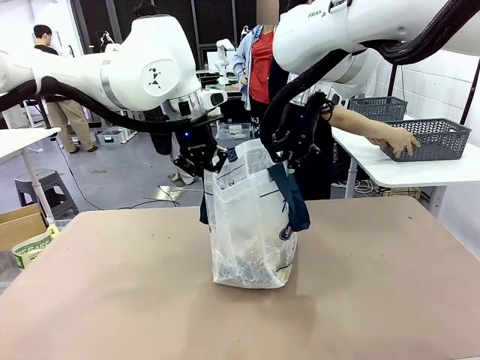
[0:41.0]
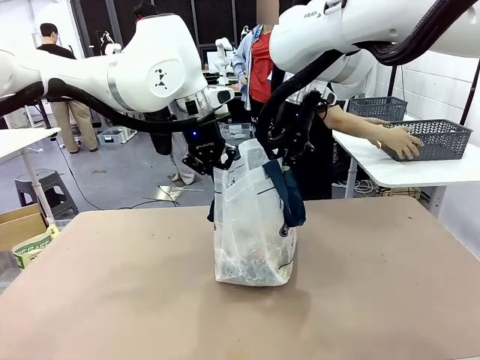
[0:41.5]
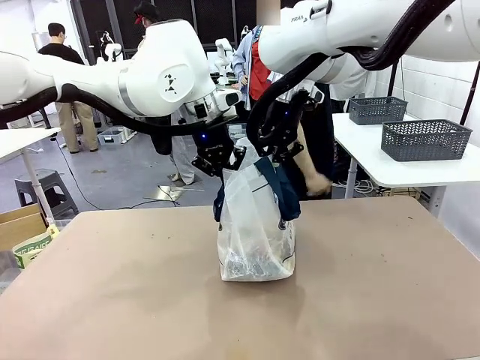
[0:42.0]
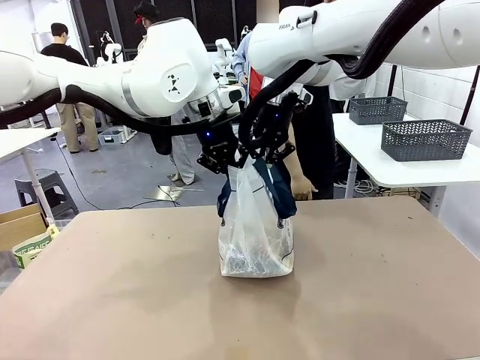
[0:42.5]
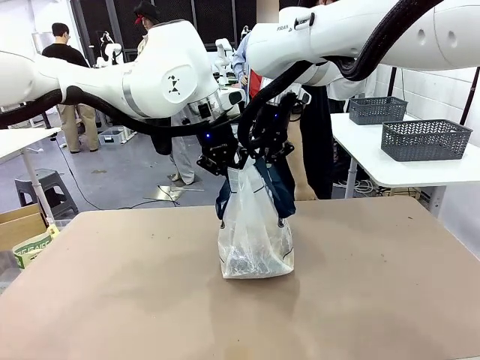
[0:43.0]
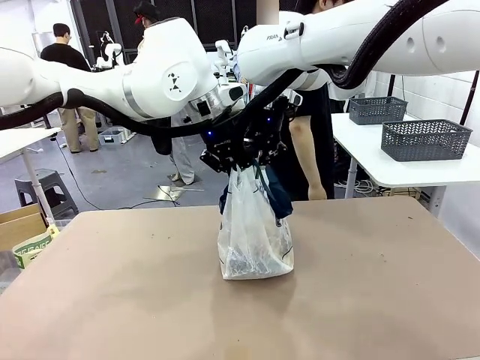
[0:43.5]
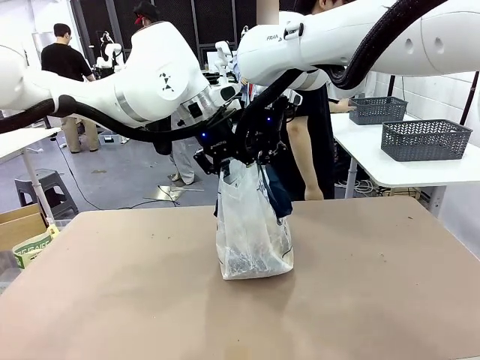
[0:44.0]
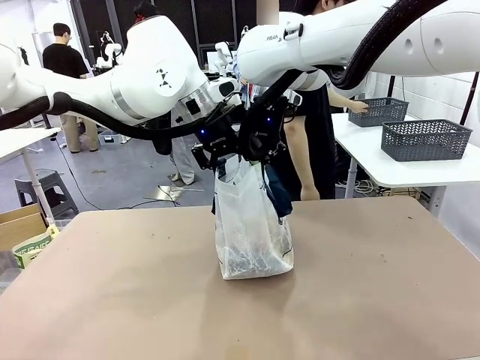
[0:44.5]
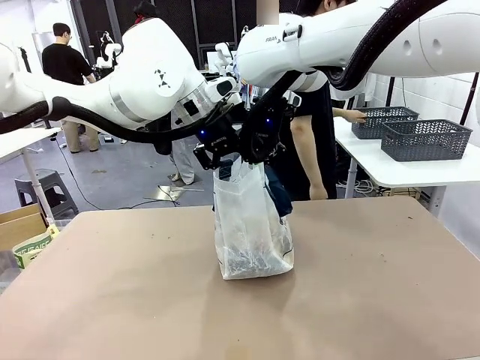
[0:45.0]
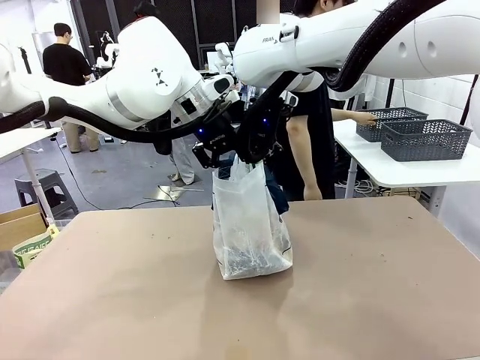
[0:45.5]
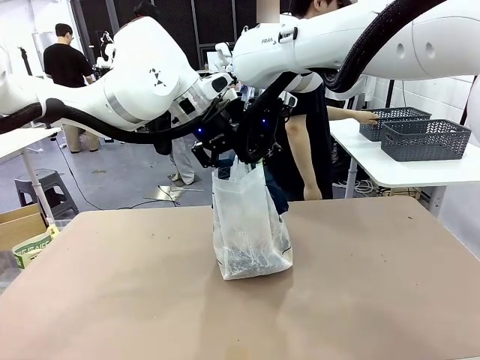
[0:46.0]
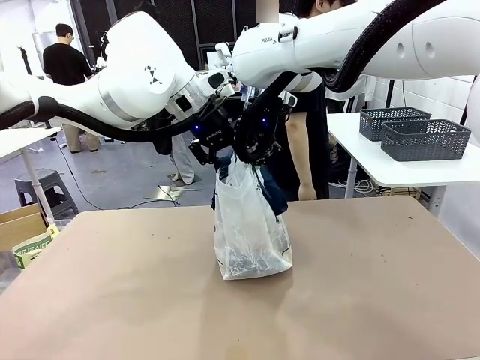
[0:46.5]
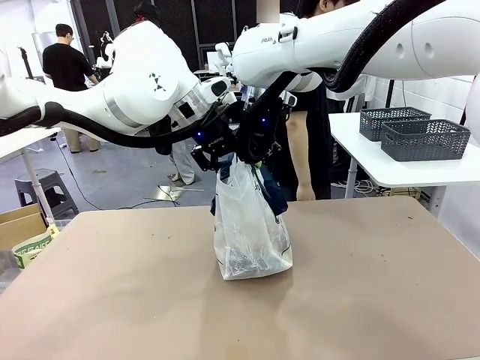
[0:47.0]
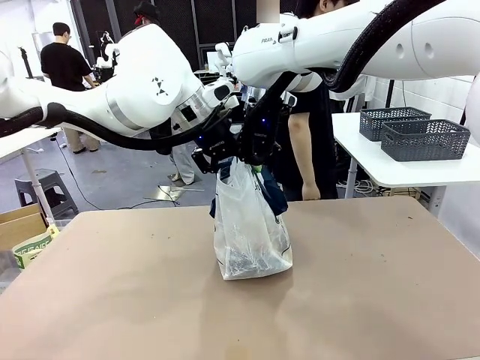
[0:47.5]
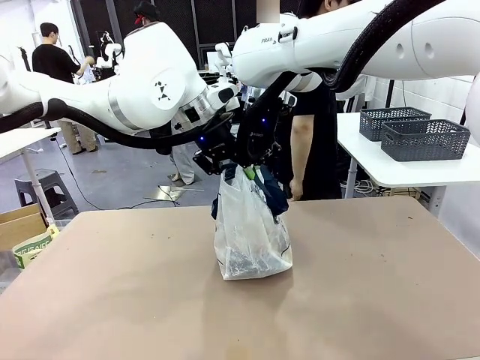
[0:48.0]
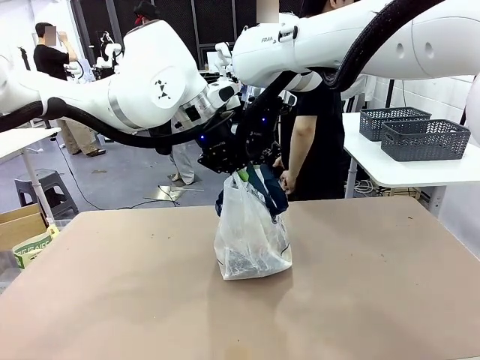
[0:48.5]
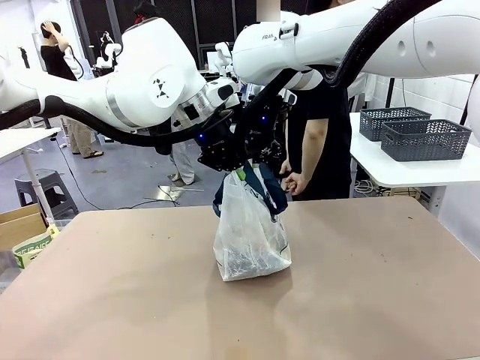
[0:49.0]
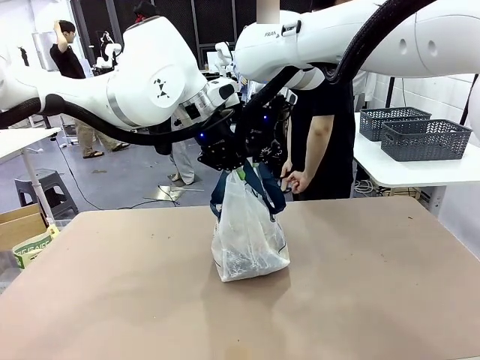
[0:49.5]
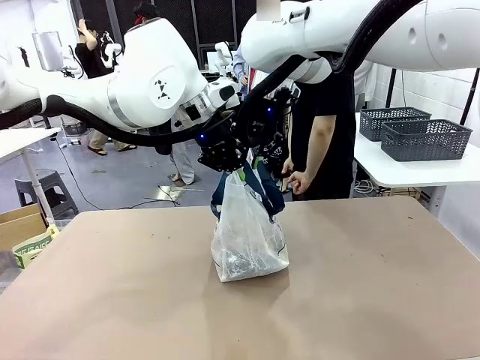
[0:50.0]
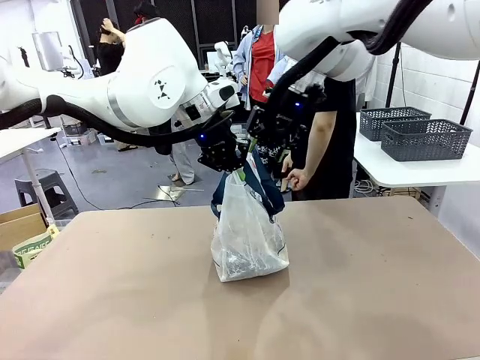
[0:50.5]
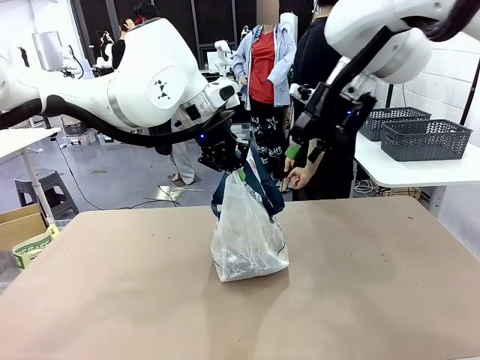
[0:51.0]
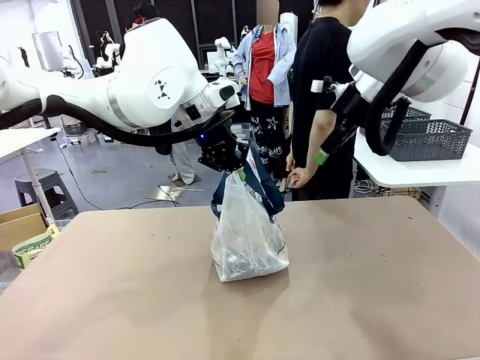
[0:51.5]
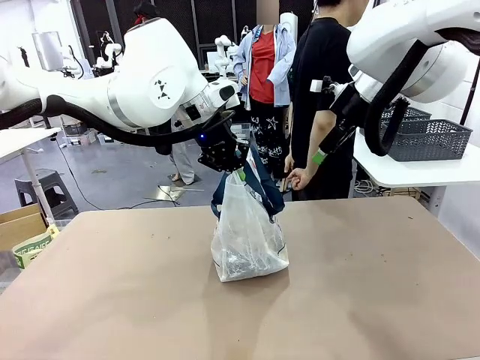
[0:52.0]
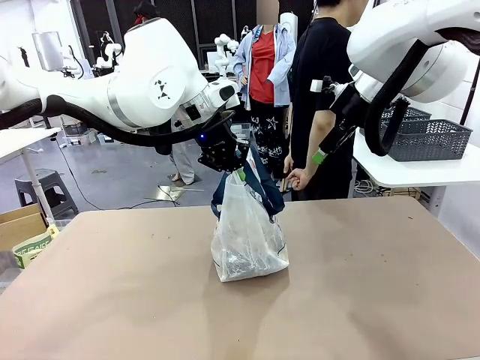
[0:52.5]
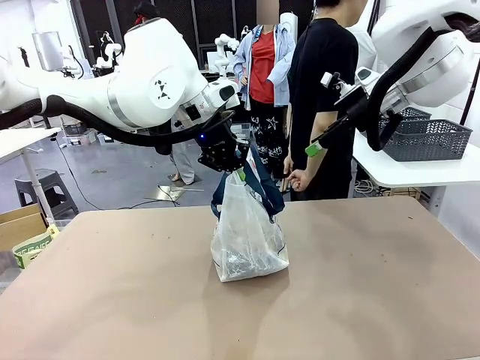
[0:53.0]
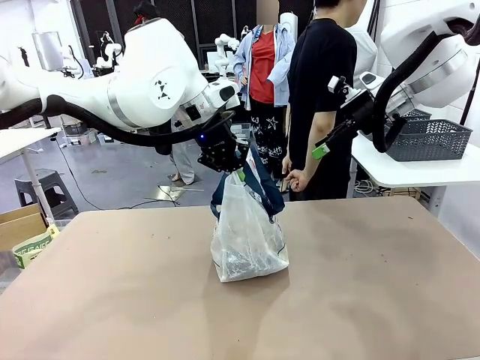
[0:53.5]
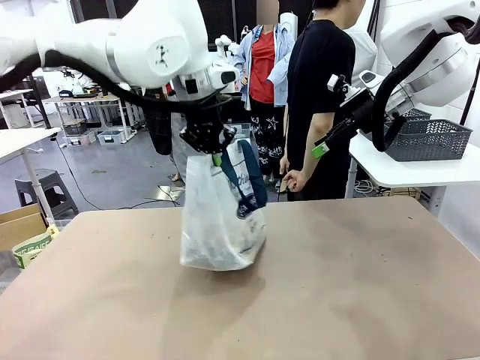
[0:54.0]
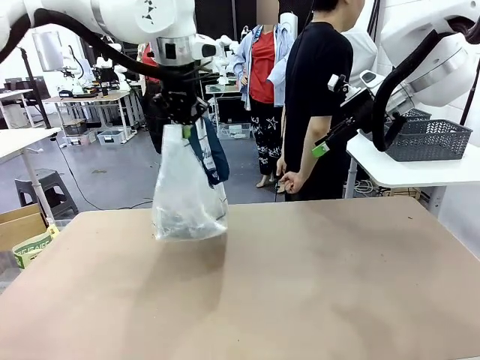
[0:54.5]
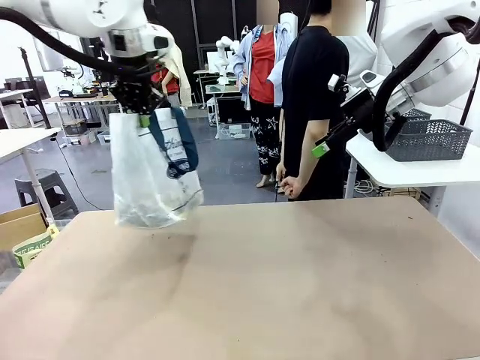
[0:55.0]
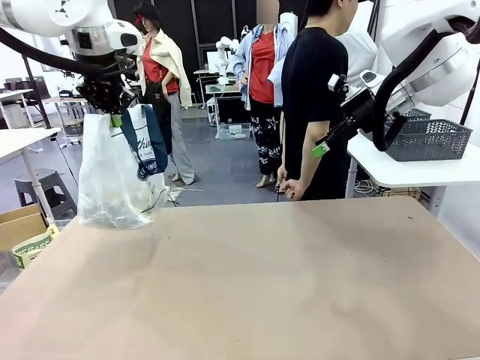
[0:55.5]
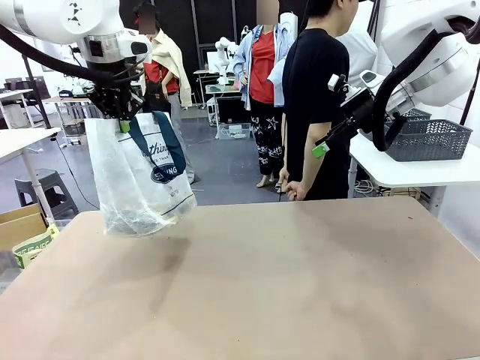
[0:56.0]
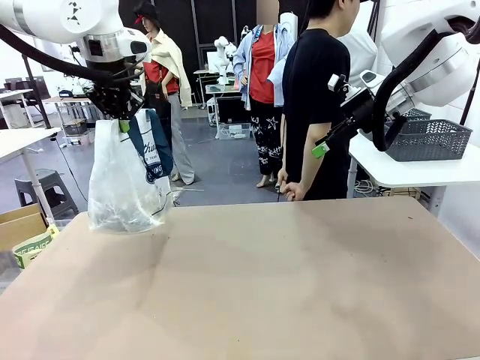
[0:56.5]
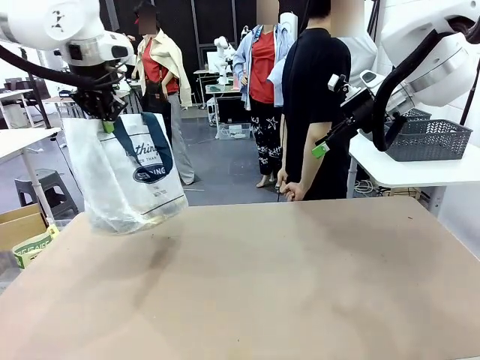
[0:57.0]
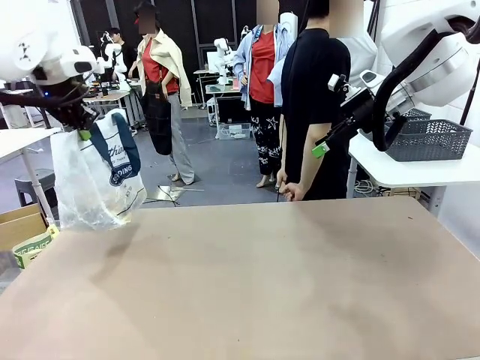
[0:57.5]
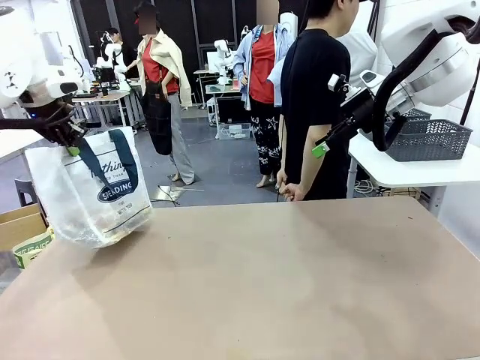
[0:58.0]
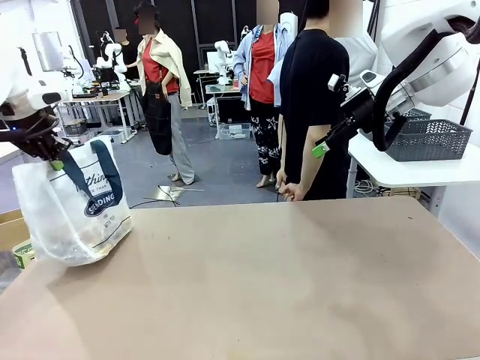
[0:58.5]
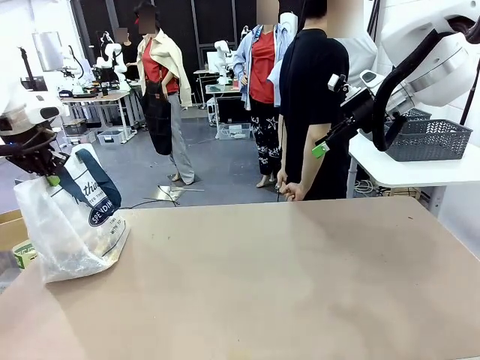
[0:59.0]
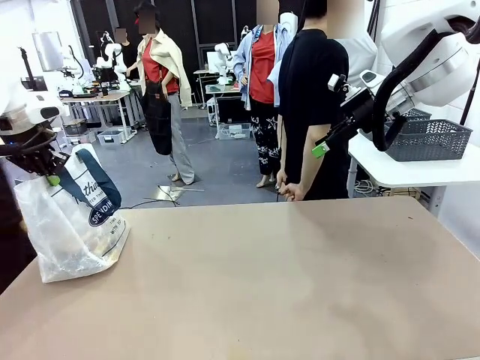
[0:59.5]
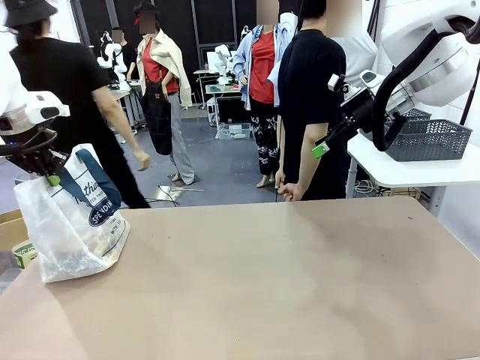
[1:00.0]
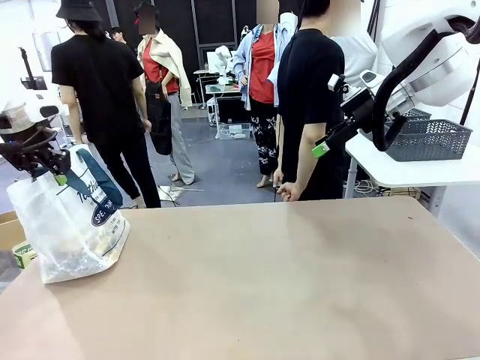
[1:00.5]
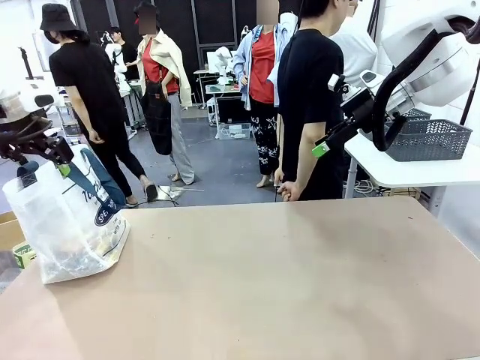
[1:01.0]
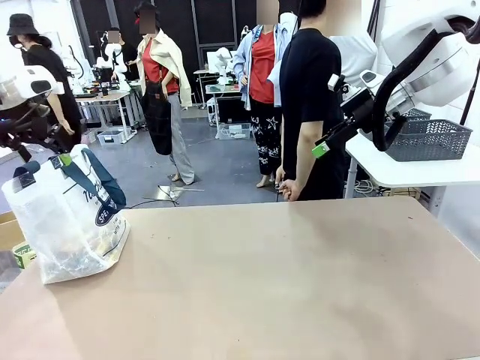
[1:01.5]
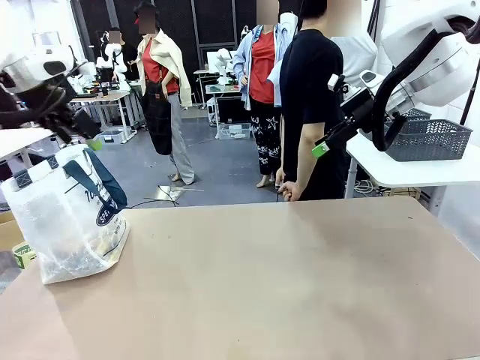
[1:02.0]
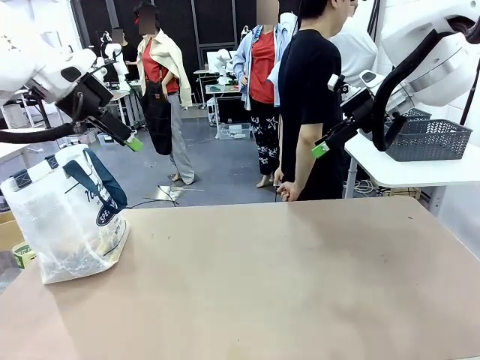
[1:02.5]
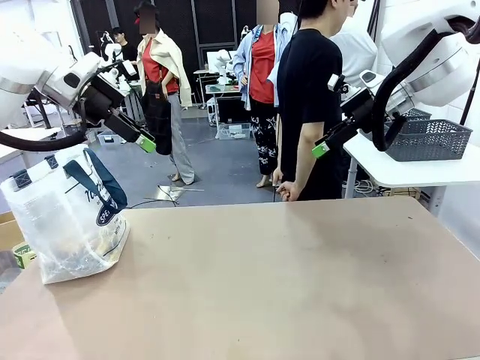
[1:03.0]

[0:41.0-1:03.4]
Task: Transfer purchased items from the store into the shopping bag.
Robot: Move the Reusable shopping bag to the right side of the table.
Person: Move the basket on the left to the middle of the person's table.
